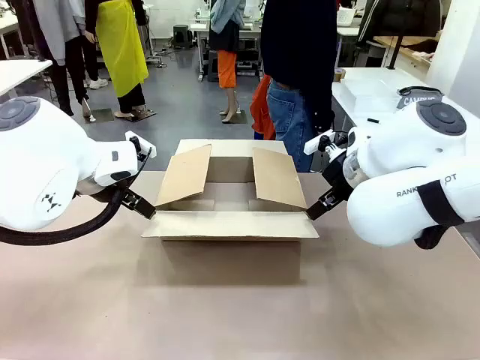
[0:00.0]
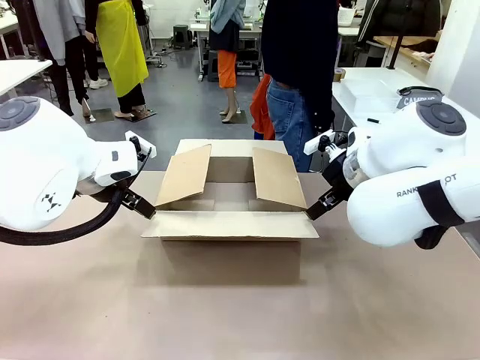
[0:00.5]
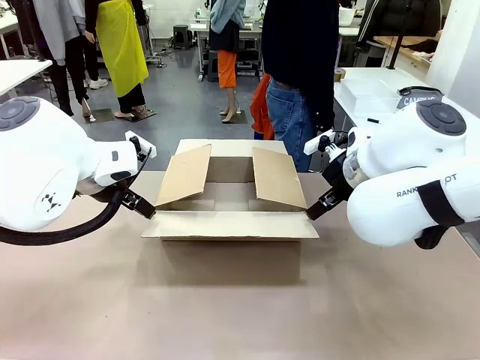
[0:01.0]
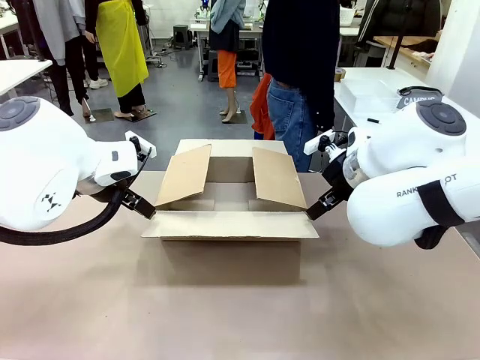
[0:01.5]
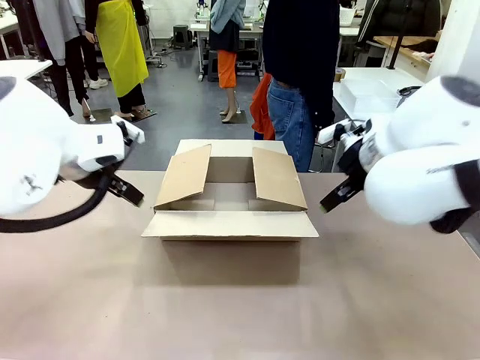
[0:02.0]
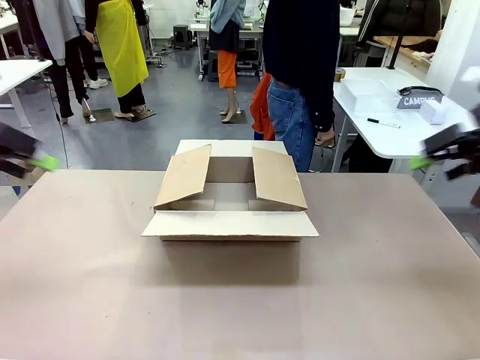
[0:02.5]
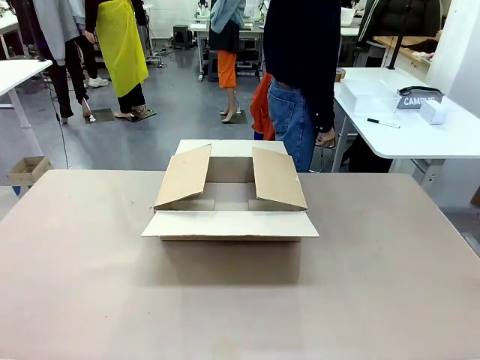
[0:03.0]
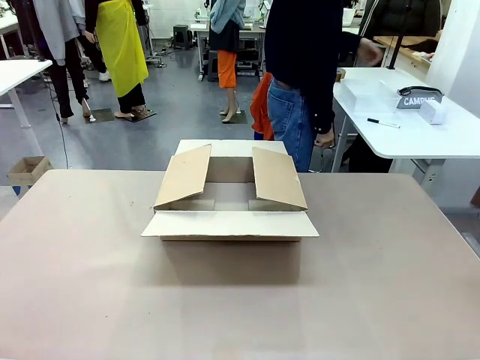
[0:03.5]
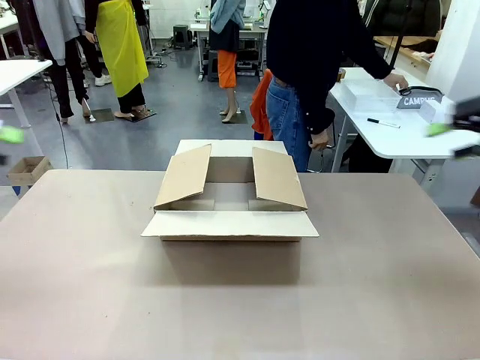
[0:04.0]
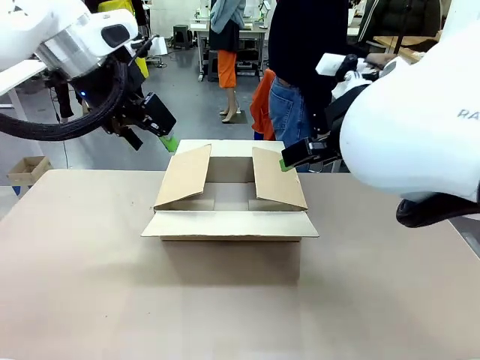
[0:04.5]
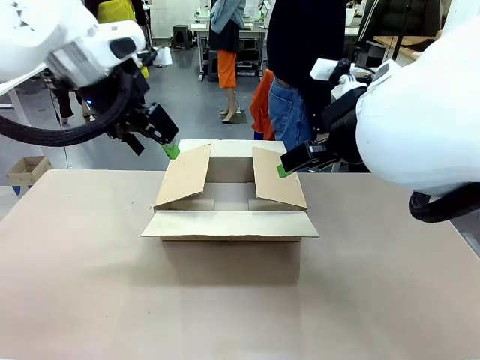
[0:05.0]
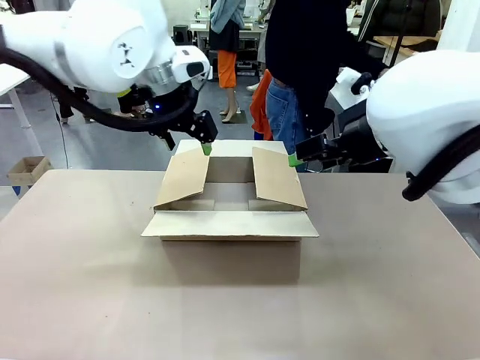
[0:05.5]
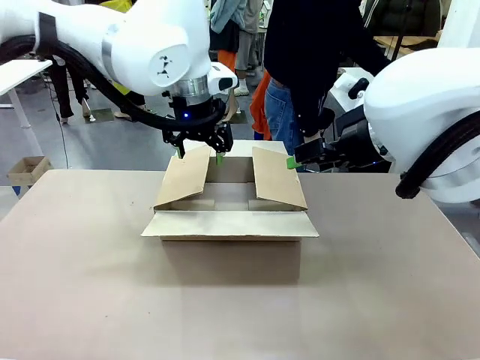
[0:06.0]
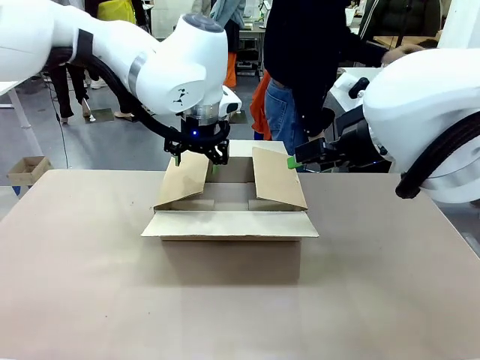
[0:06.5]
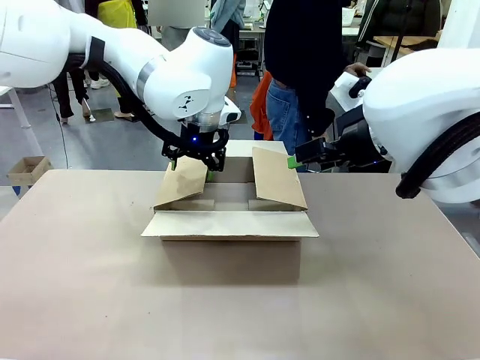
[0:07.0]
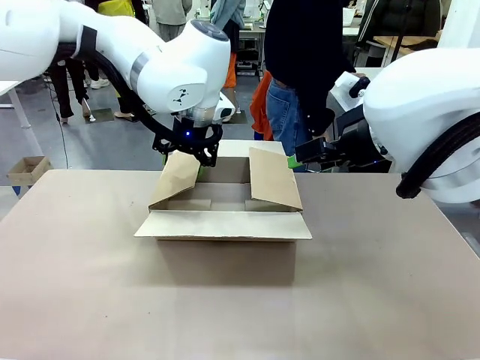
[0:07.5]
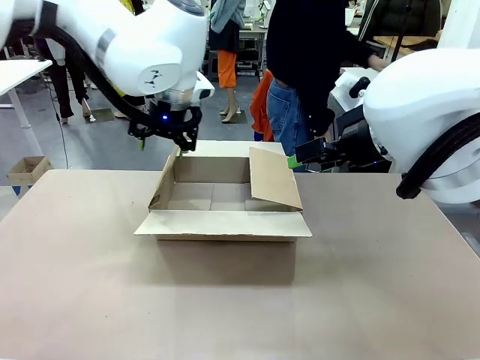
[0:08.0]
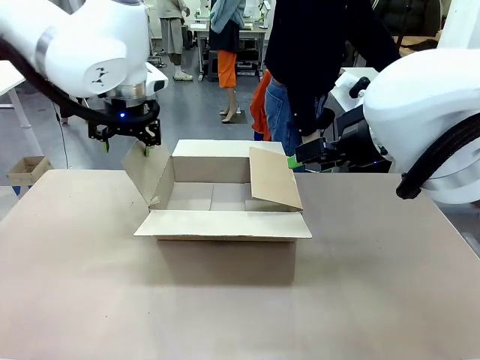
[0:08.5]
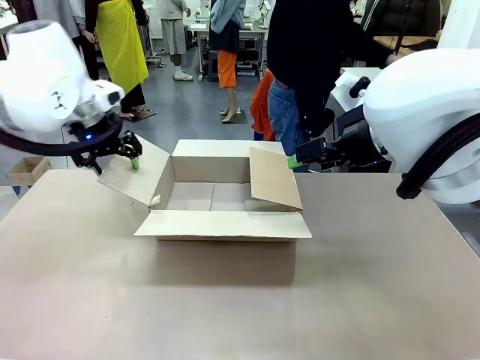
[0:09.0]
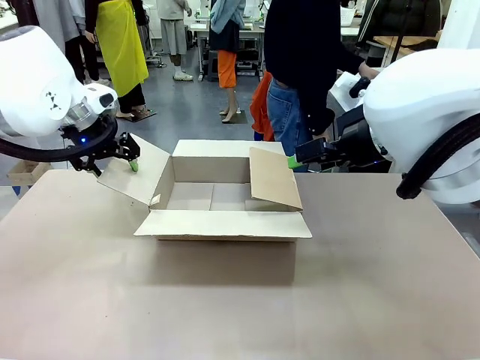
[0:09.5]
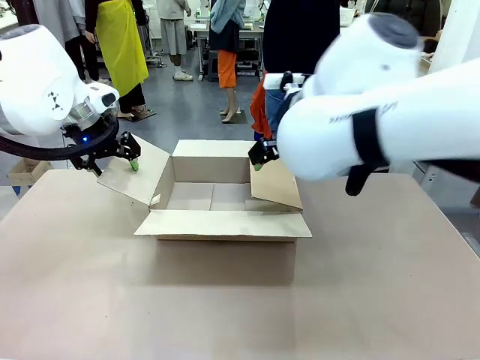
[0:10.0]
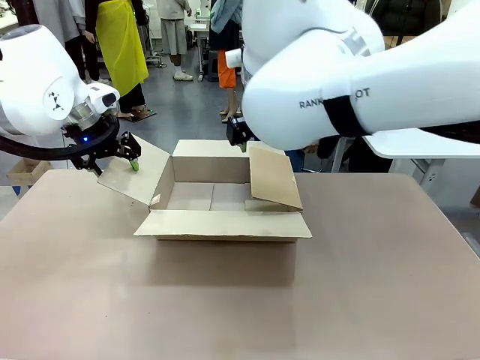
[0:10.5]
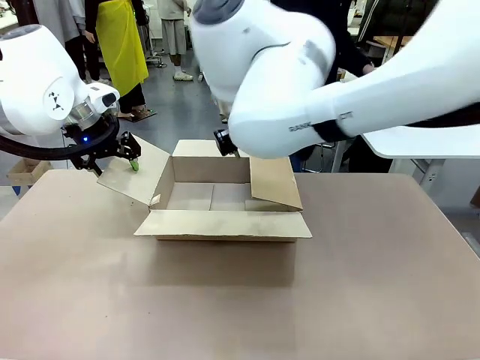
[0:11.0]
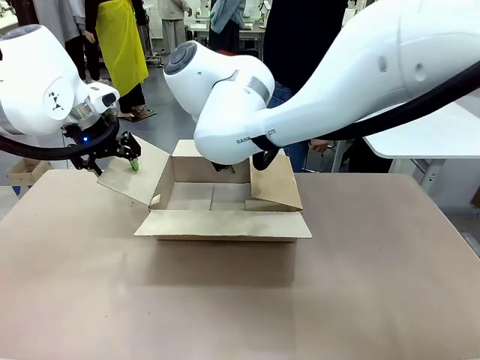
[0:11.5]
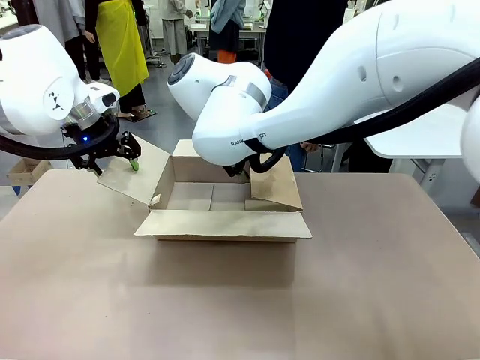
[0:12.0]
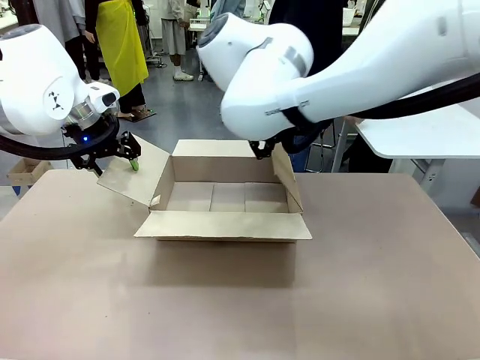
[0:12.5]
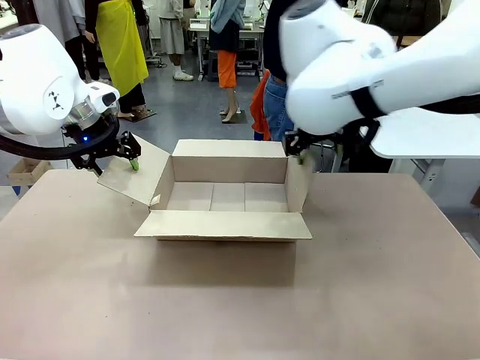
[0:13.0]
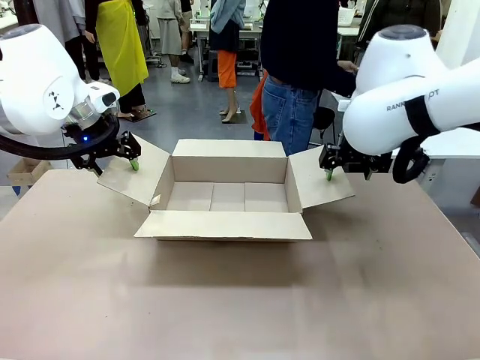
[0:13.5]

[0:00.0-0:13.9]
Task: Pack the gift set into the box.
Robot: Place both hands on the side flaps of the Package Box and spread them outward.
Person: The human places all items except the paper tape into the organizing basket.

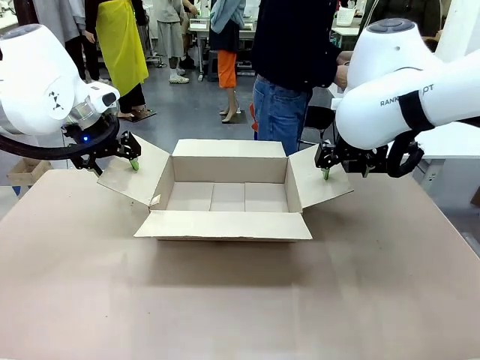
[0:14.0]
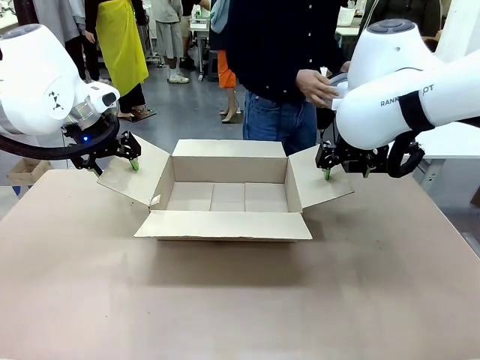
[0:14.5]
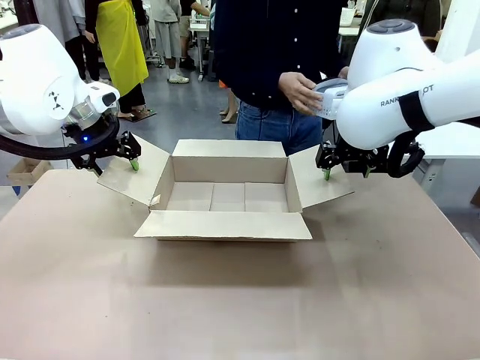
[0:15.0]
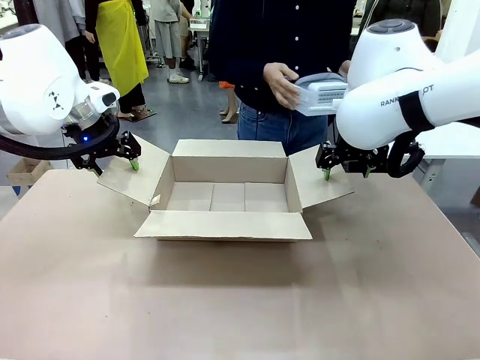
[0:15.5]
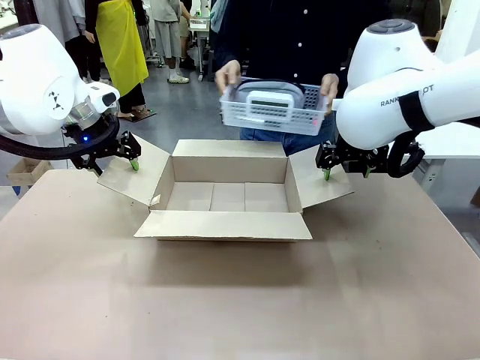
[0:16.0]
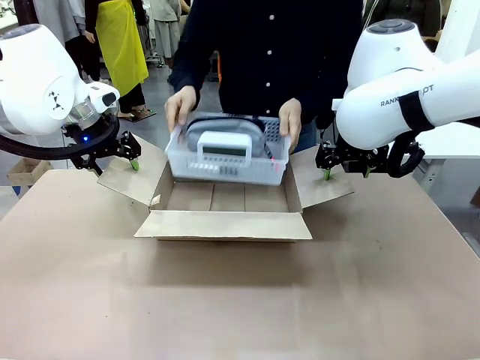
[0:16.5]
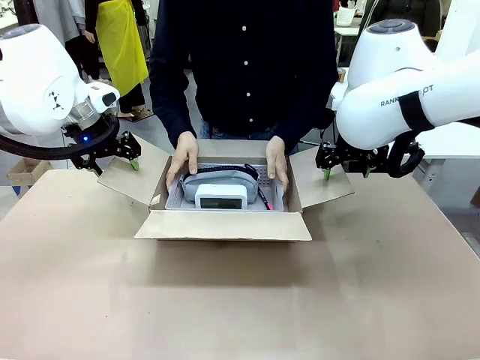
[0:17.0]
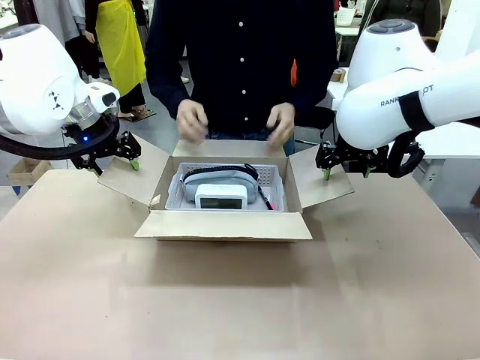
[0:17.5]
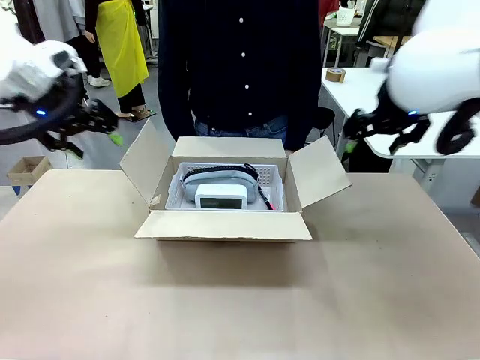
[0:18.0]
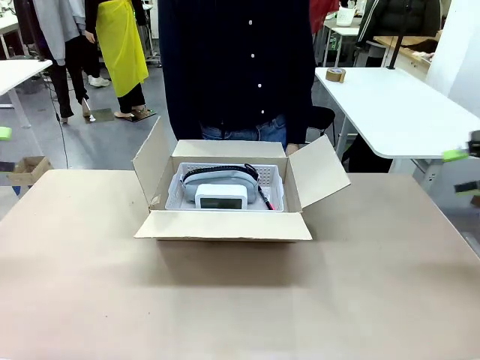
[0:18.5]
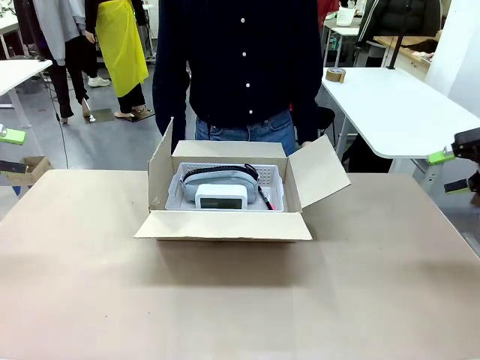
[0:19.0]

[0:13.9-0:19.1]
Robot: Lift both hands away from the flaps of the Package Box.
Person: The human picks up the organizing basket and places the organizing basket into the package box on the robot table.

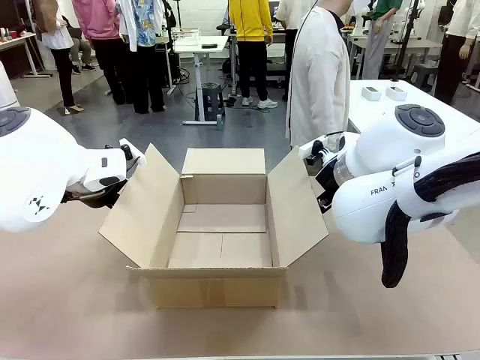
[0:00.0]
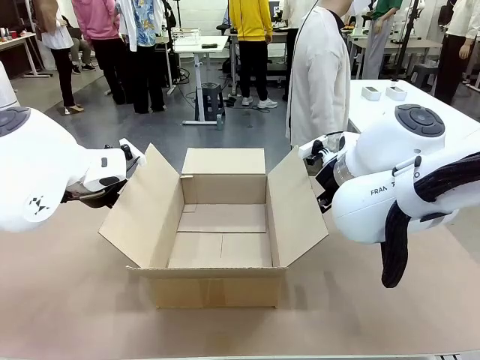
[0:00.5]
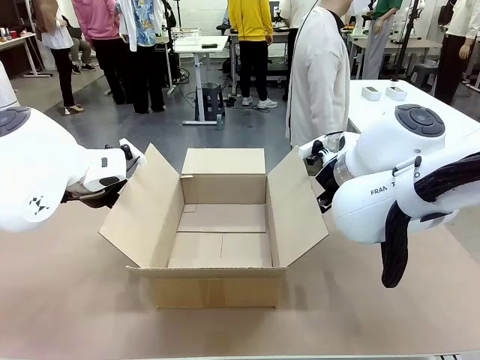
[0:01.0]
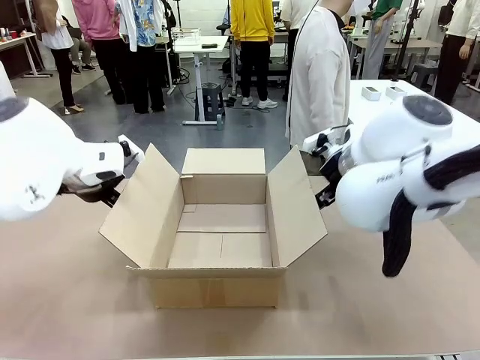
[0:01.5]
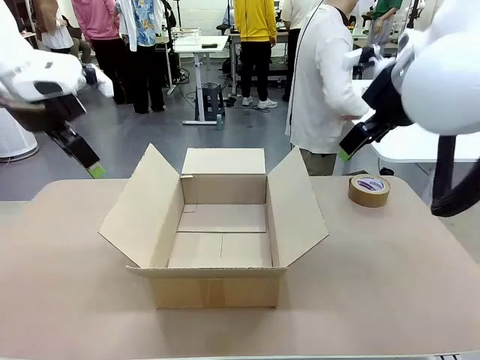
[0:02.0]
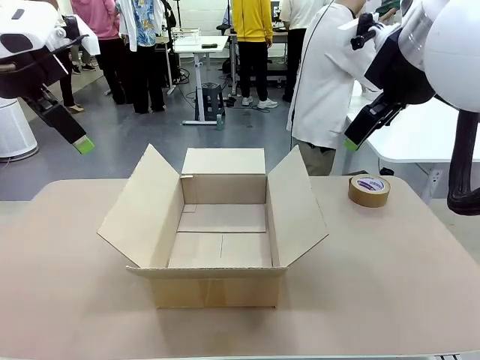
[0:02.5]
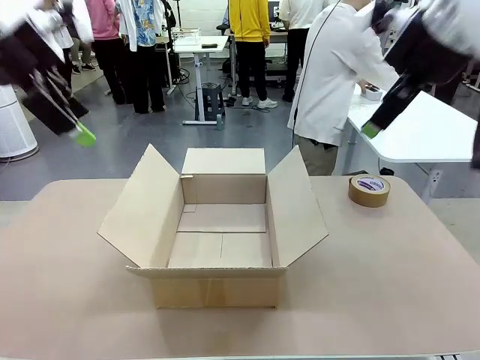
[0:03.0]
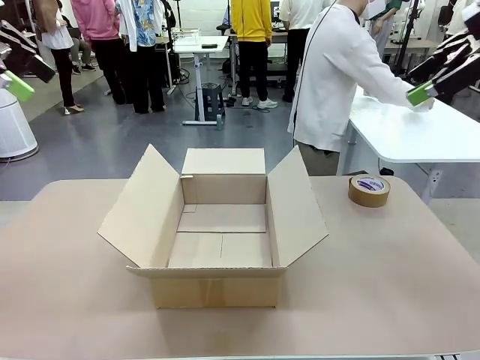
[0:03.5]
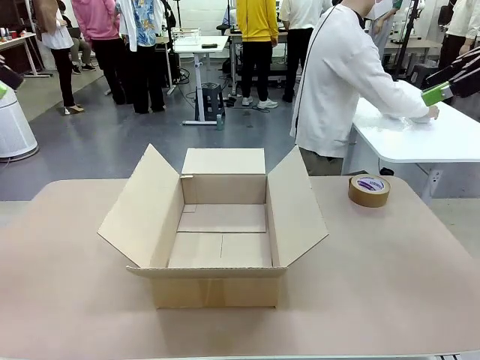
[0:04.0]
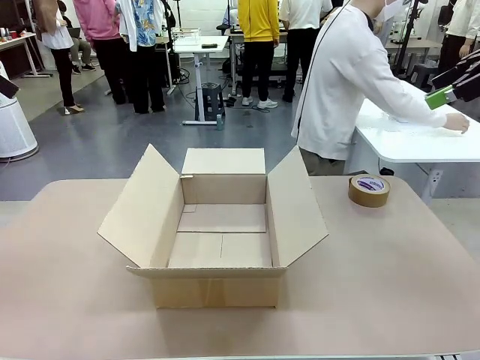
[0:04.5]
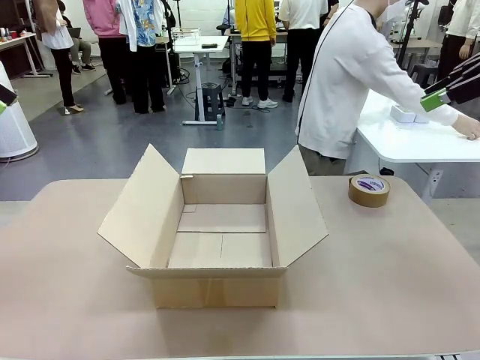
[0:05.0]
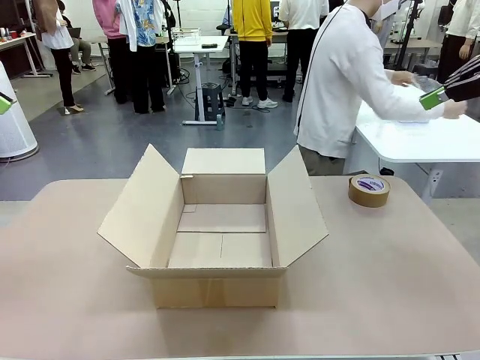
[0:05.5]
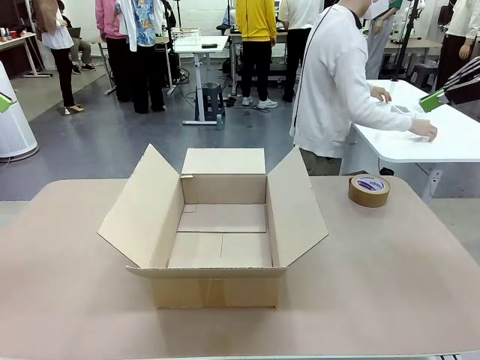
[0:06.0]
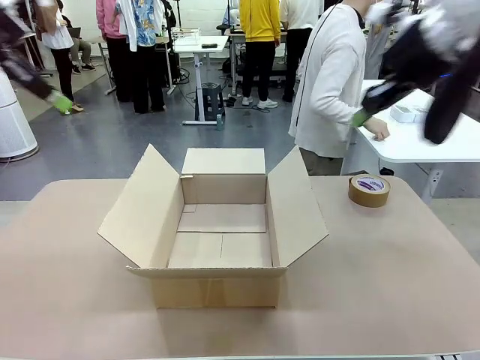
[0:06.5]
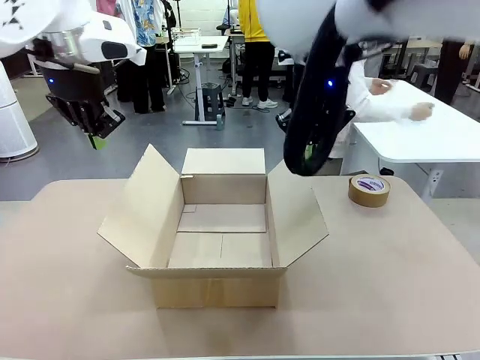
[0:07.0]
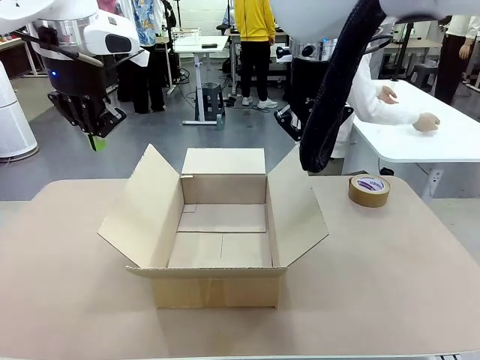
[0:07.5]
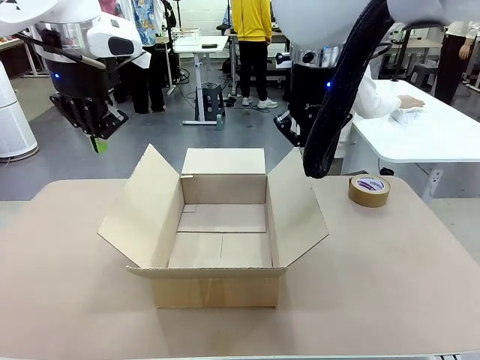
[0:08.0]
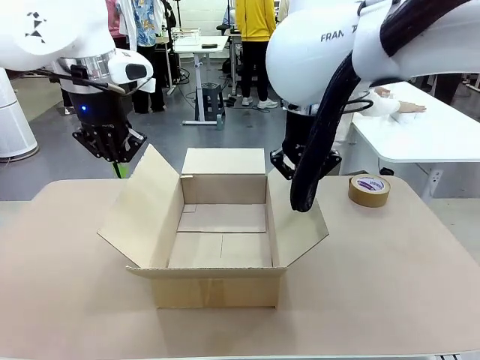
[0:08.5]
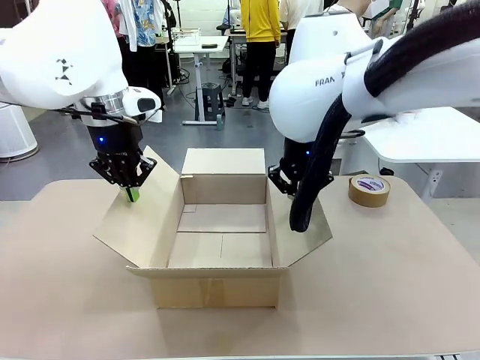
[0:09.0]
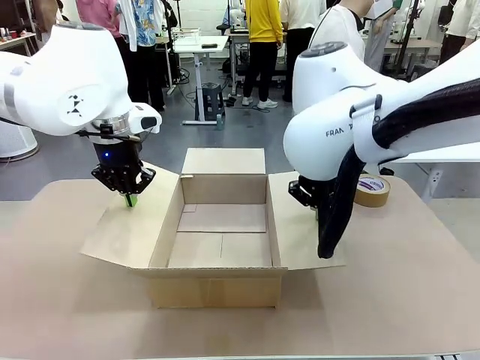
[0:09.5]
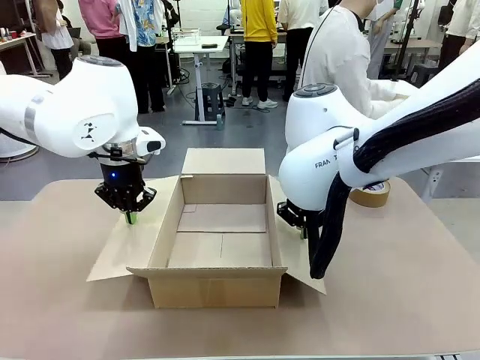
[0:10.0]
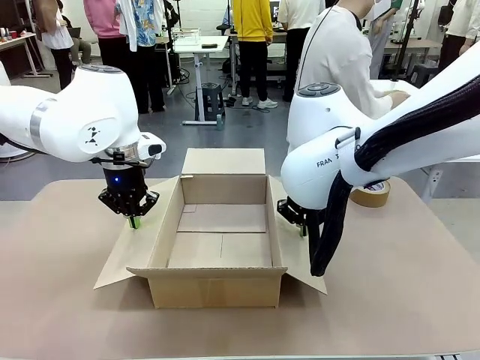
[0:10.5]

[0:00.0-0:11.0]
Task: Wrap the clocks to prevent damage.
Robot: Open the side flaps of the Package Box.
Person: Wrap the two Digital clocks with Bubble Wrap.
